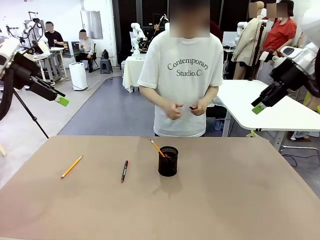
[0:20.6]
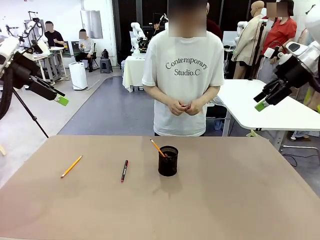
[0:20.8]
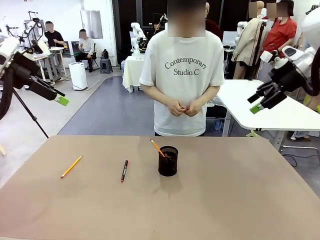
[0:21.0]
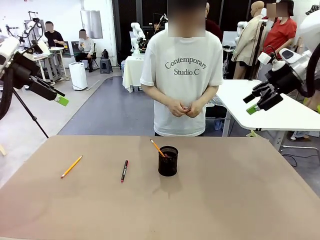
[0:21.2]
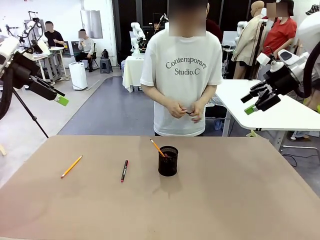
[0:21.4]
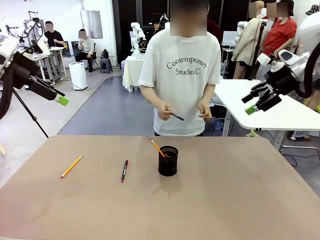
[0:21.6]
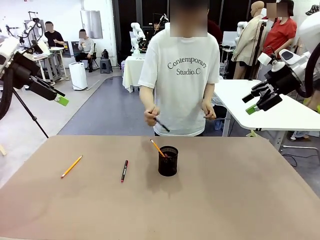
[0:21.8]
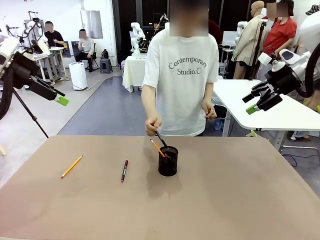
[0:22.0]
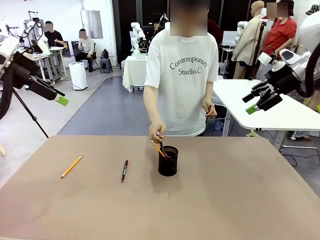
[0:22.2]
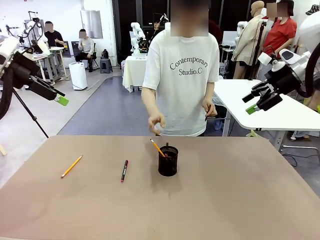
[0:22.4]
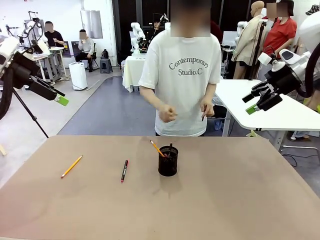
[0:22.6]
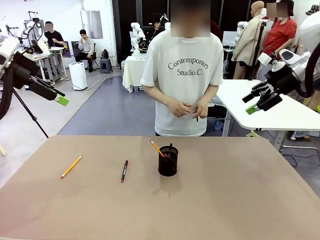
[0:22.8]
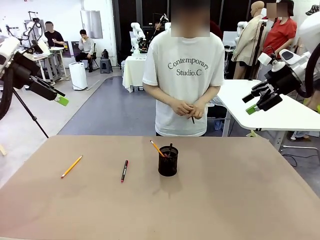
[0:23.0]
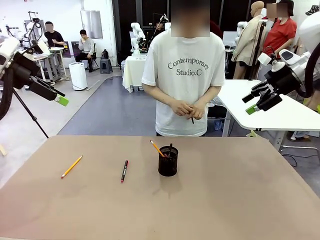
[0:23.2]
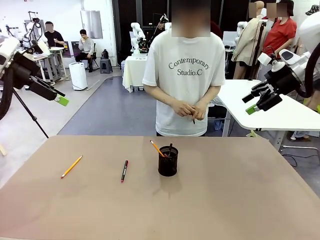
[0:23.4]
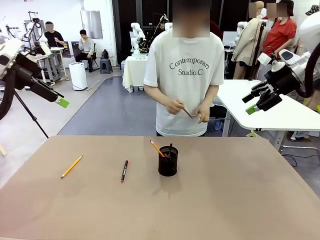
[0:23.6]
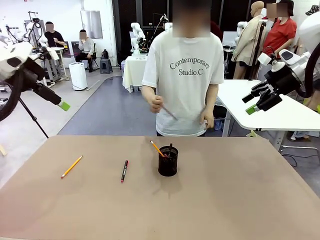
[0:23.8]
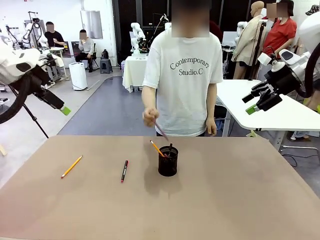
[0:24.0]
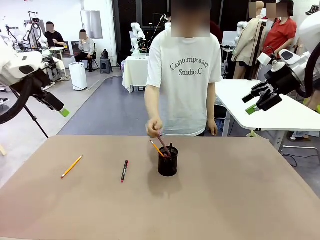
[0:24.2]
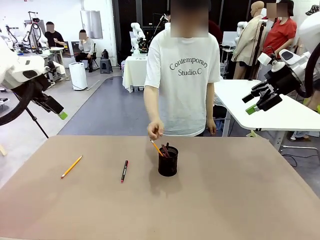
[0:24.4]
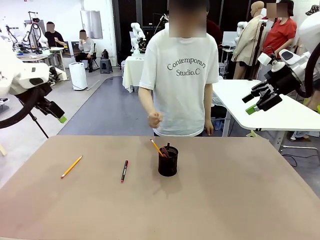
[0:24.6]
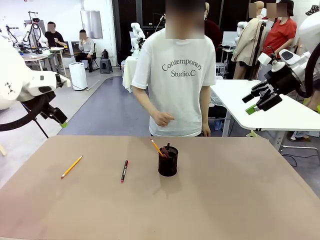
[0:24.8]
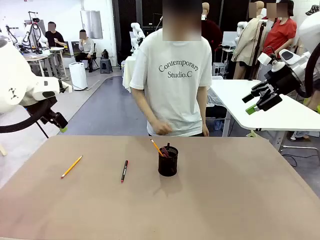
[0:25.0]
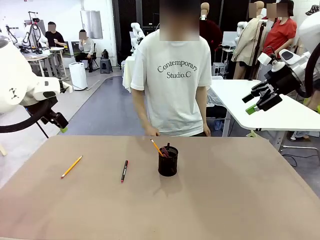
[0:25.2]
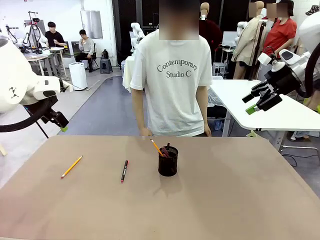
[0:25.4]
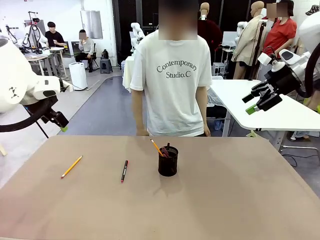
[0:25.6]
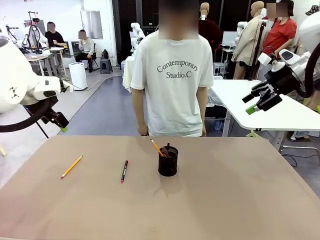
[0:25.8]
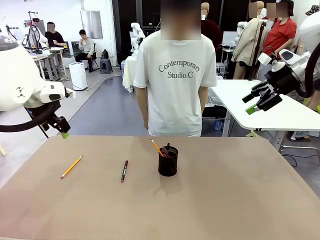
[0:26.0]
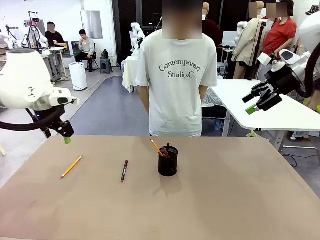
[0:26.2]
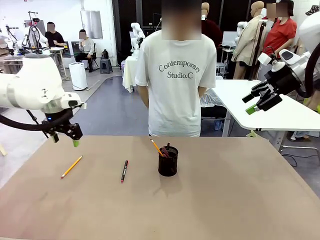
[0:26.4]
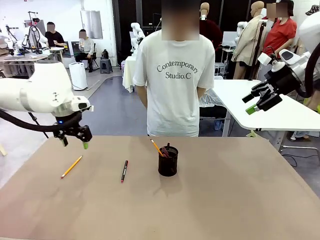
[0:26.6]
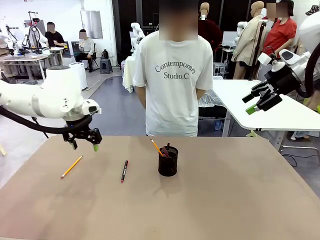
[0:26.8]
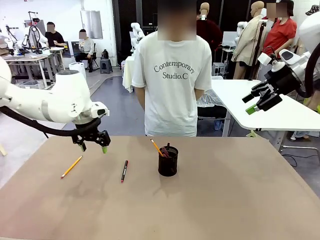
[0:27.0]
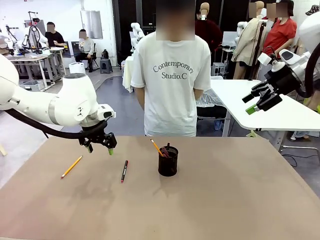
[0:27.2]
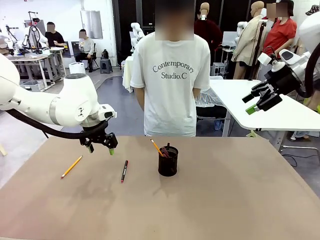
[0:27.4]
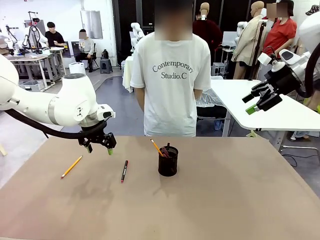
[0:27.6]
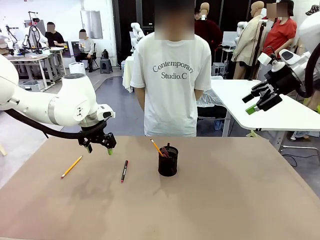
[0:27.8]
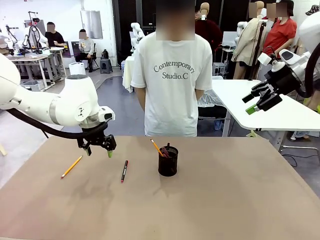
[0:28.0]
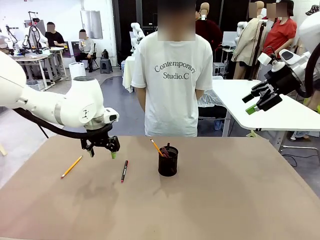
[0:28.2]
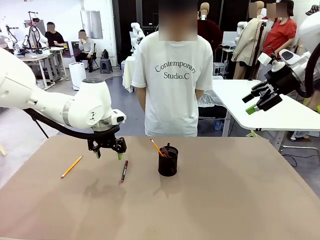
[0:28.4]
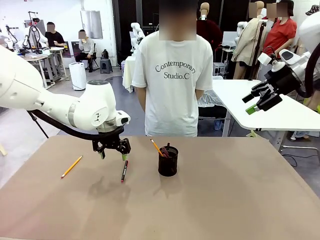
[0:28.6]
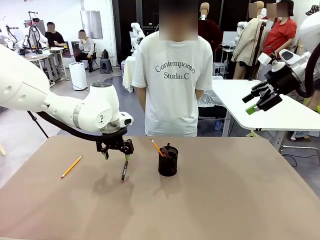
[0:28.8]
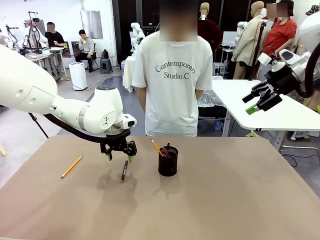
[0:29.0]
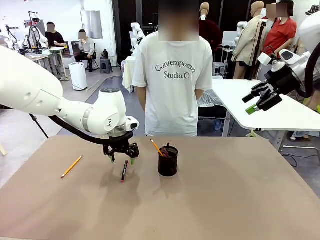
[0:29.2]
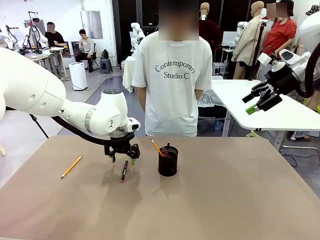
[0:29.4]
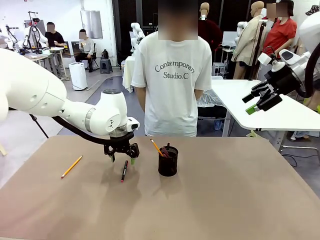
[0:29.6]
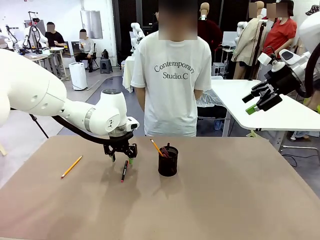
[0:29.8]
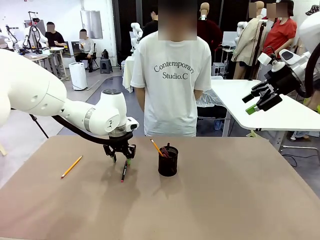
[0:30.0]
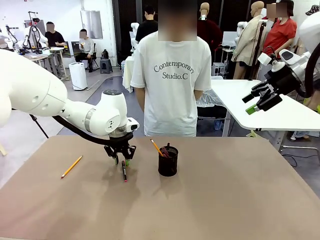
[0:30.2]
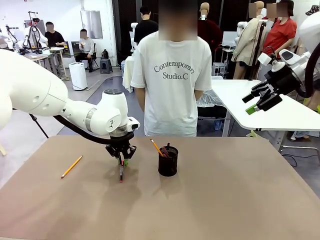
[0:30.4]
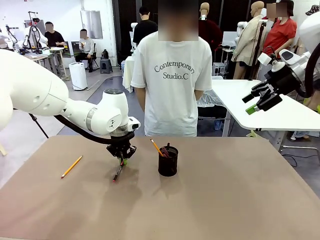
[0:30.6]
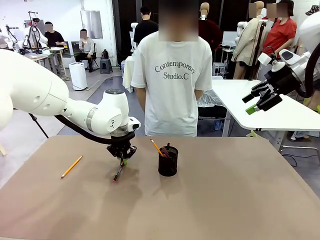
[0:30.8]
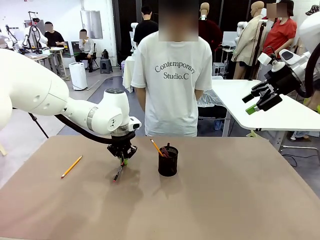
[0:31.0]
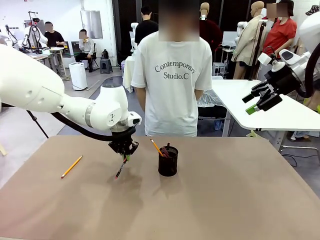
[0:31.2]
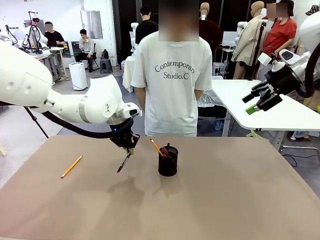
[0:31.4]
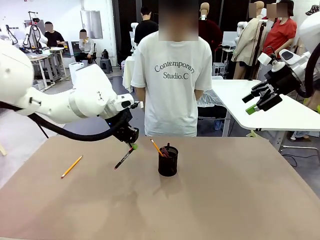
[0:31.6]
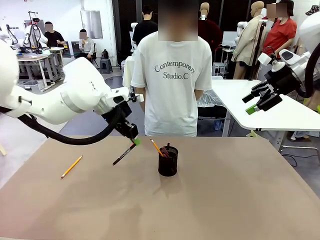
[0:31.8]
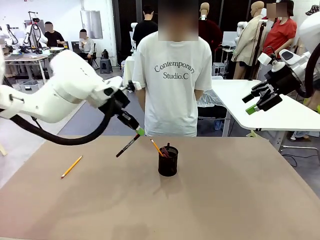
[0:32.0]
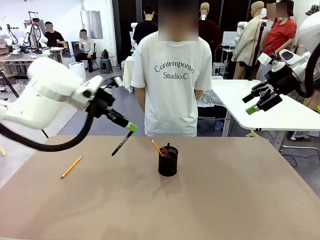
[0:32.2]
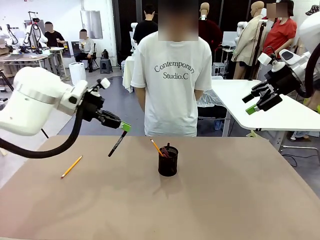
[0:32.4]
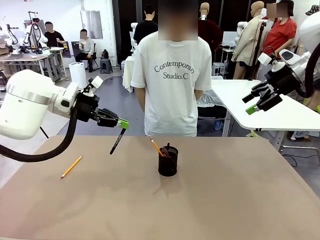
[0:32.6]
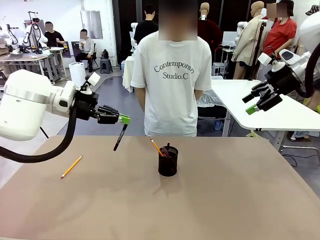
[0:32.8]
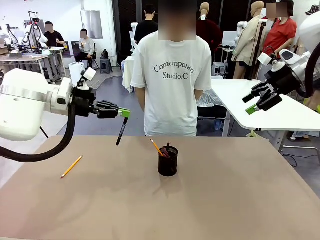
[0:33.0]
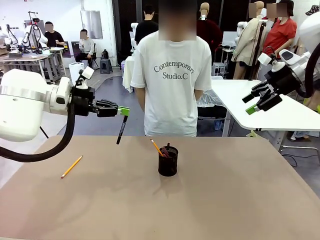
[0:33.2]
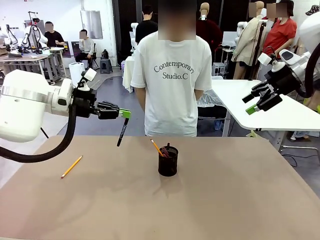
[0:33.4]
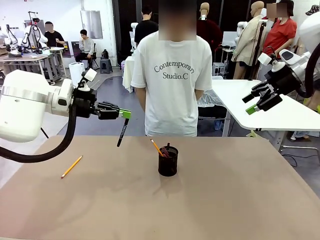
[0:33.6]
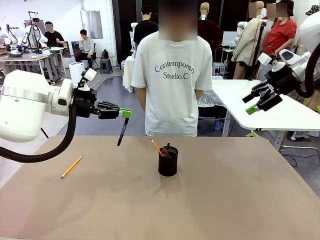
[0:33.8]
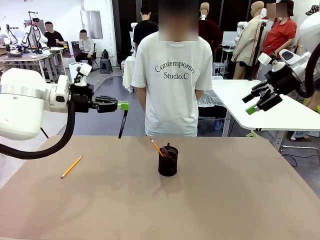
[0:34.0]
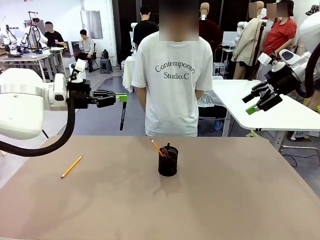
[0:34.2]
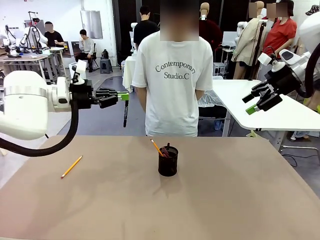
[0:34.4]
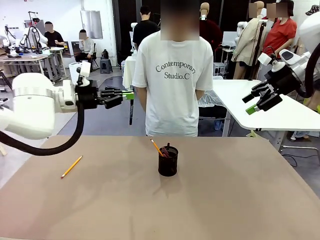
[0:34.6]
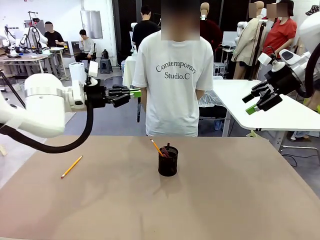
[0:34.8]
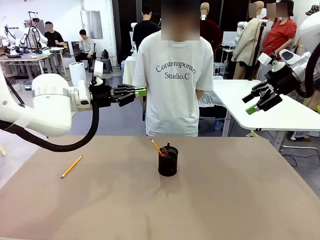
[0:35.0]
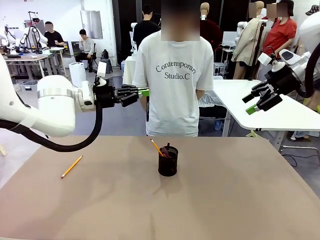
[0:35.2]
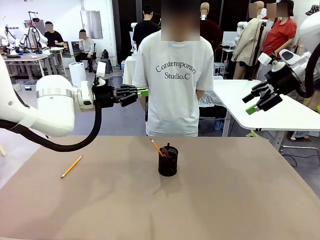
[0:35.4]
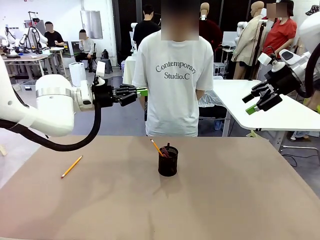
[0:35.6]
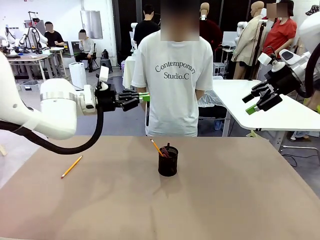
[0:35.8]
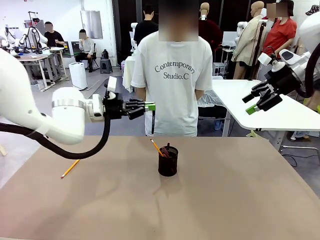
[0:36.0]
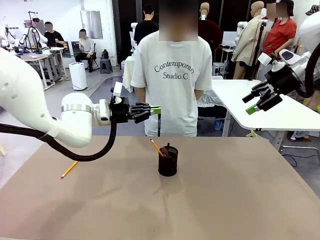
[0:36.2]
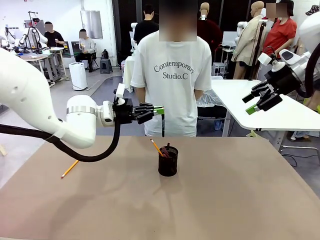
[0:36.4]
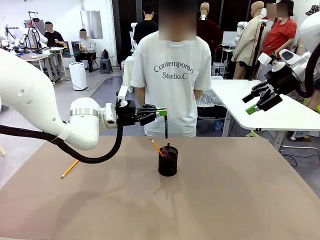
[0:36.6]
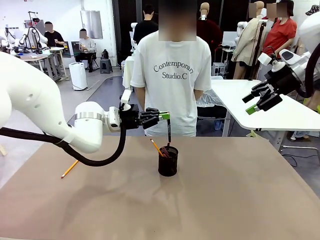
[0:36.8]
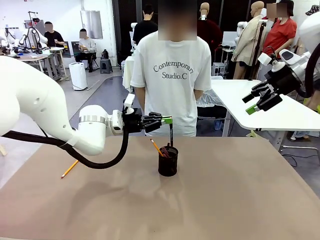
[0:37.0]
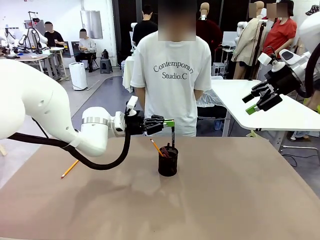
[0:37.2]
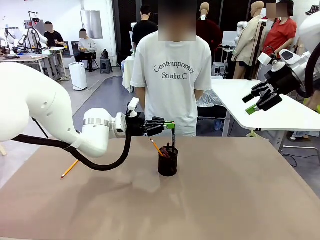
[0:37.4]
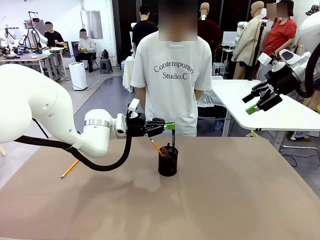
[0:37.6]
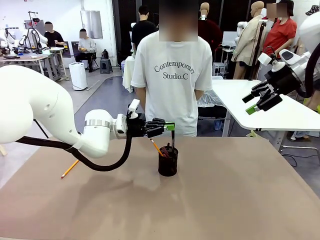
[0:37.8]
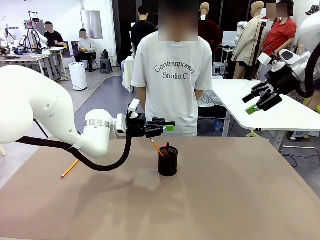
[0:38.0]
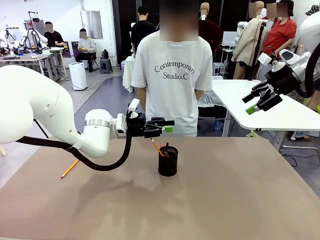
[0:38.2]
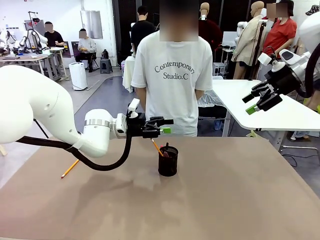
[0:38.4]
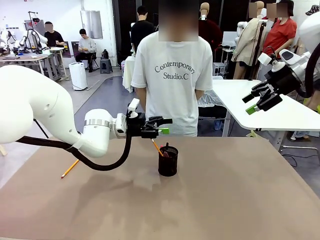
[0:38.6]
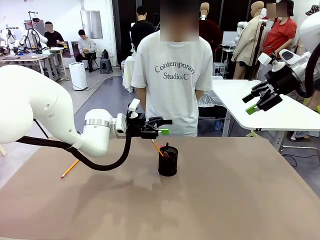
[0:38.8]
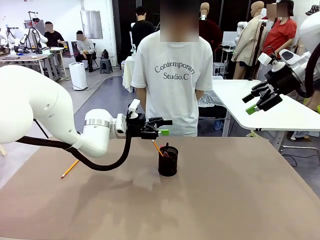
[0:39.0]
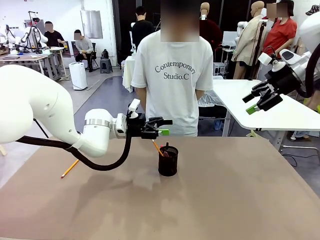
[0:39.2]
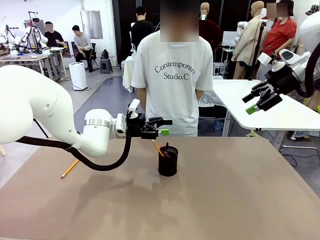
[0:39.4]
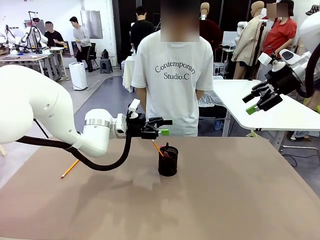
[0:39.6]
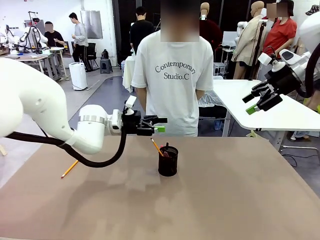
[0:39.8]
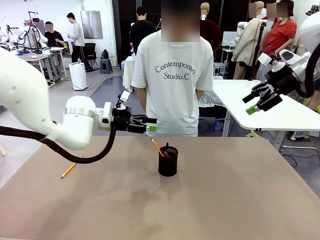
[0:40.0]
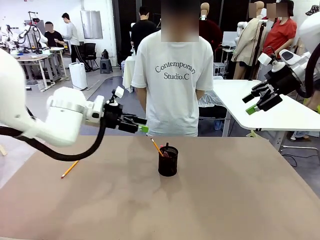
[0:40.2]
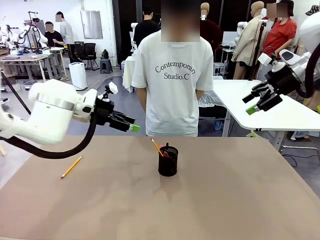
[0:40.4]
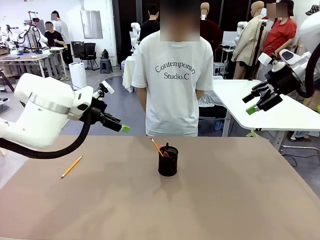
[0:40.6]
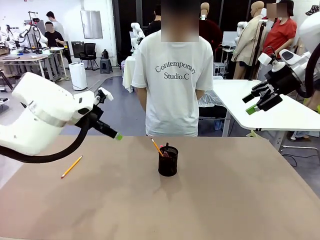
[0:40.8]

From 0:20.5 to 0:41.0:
Task: Place the pens into the pen holder.
Robot: Pick up a writing instrument from the table and place it into the Pen holder.
